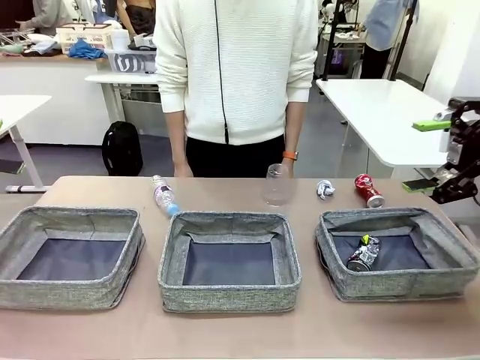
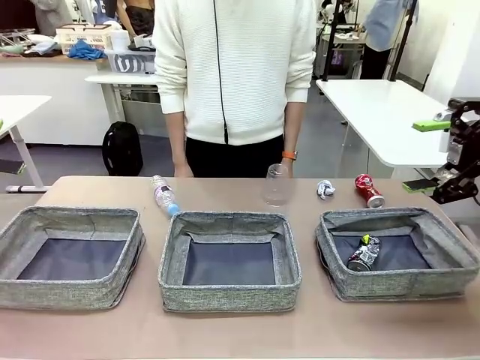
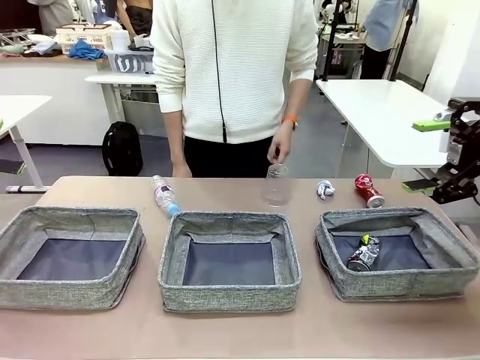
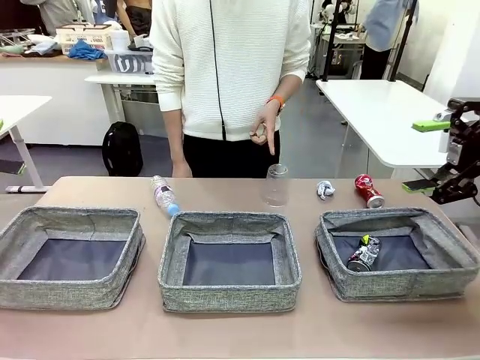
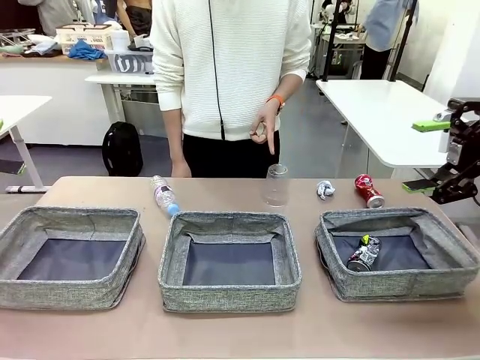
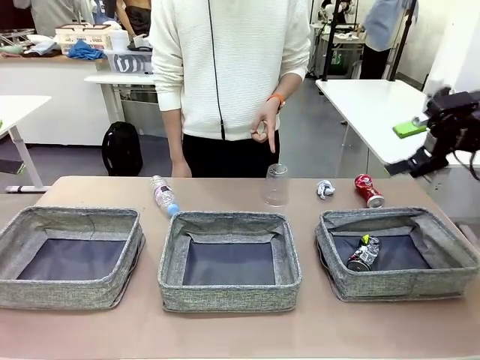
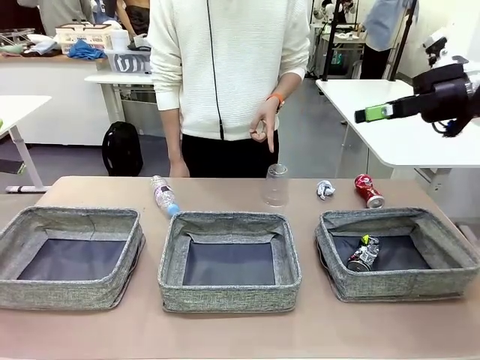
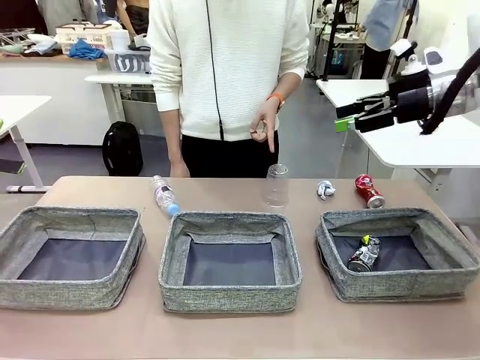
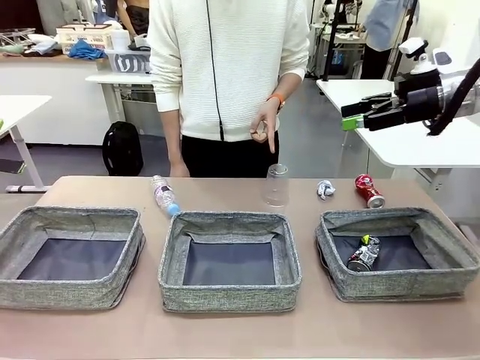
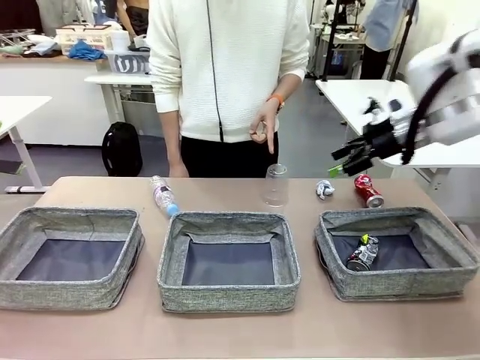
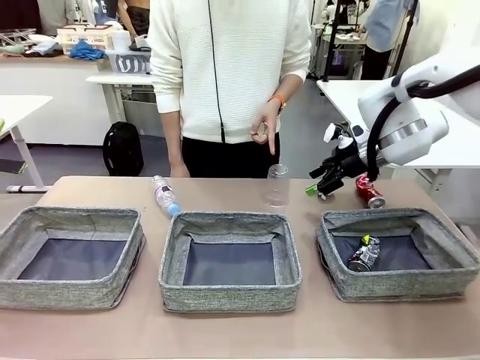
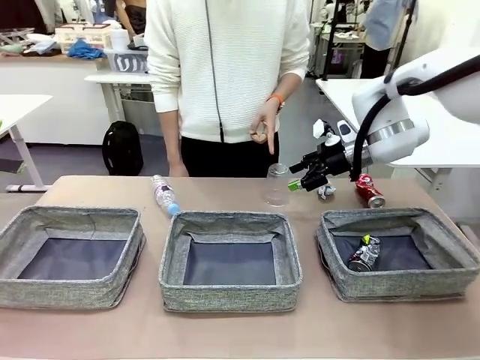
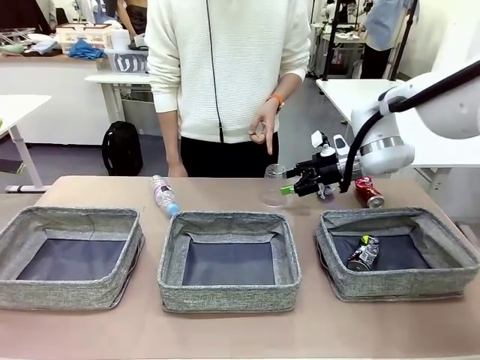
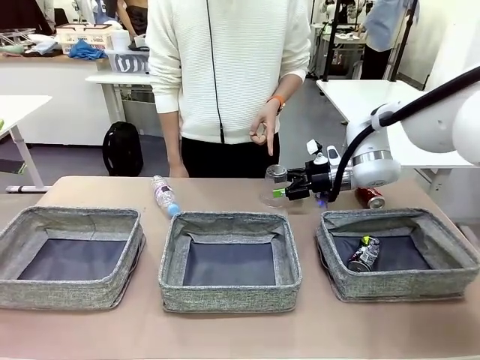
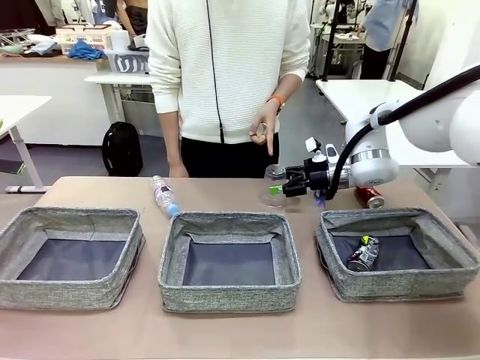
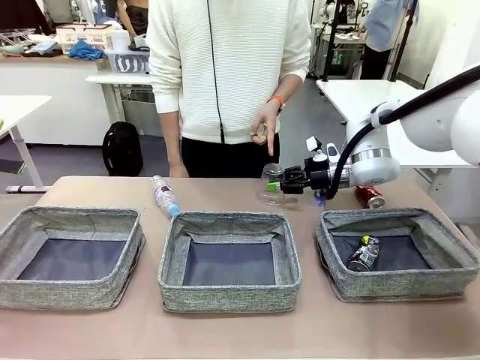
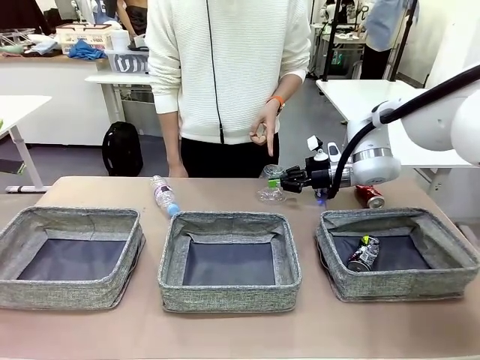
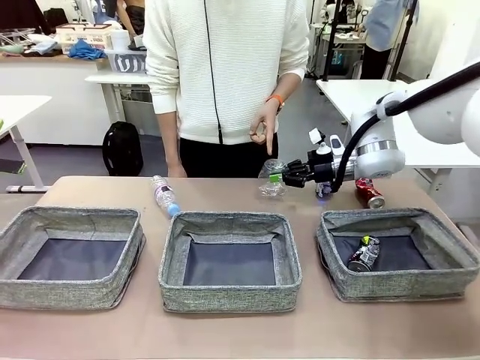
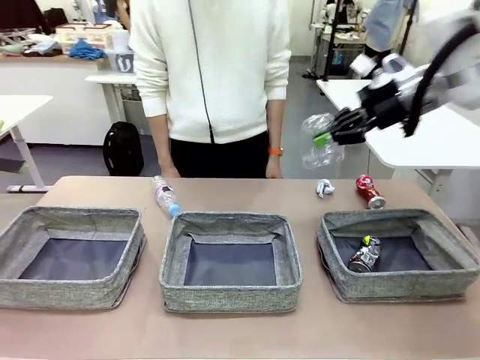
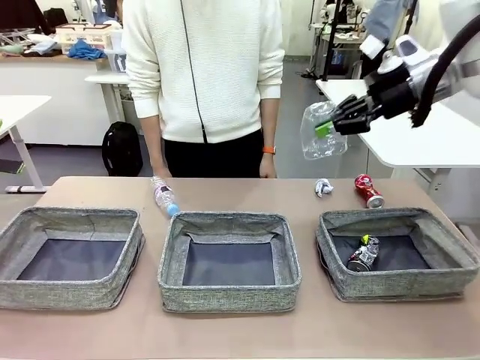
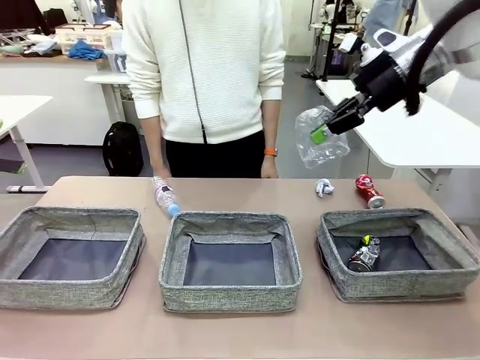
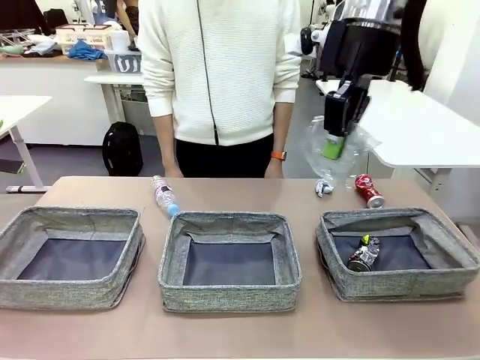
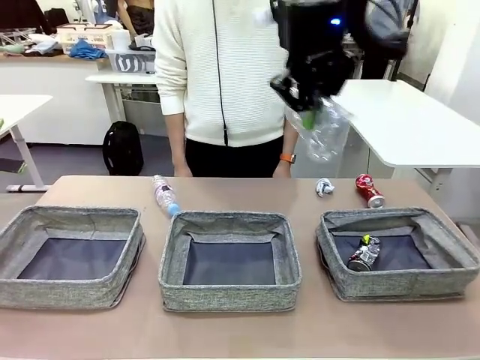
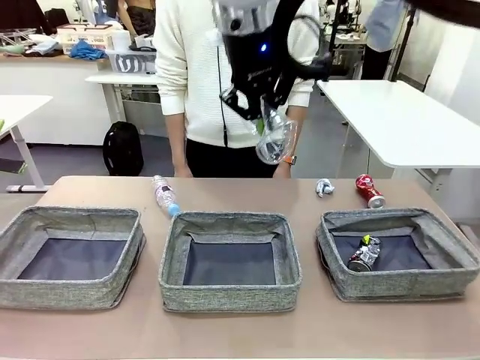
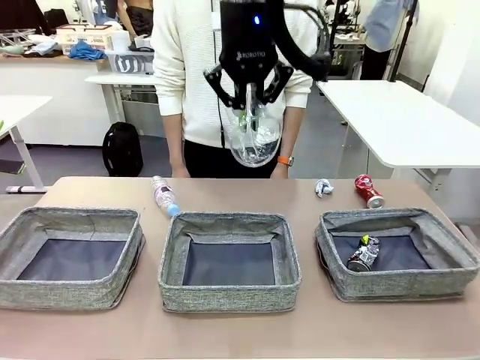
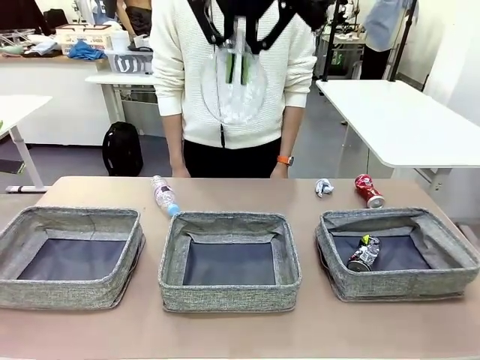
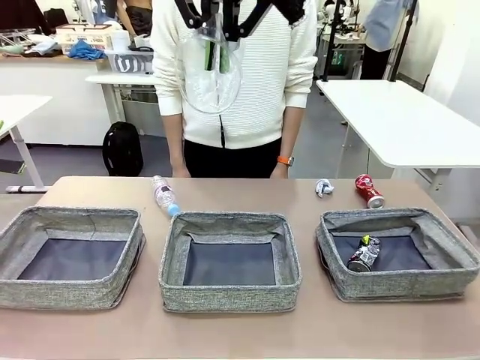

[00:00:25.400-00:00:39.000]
Task: Sort the waste into the appropriate baskets.
Robot: Pick up the waste item pointed out by the person.
Person: Points to one piece of trash on the table.

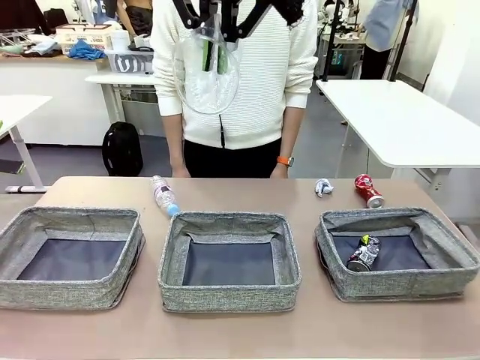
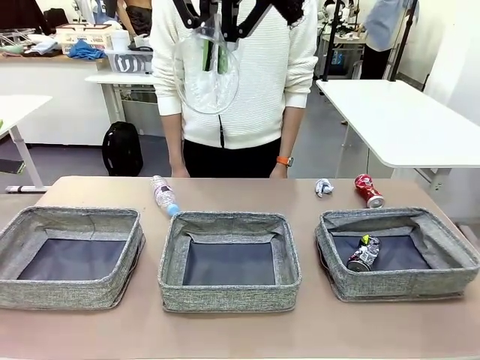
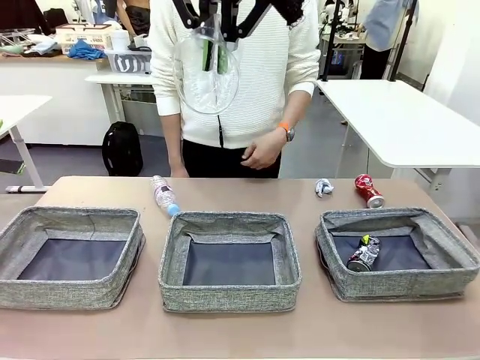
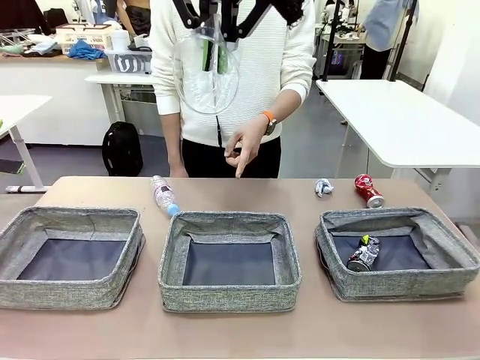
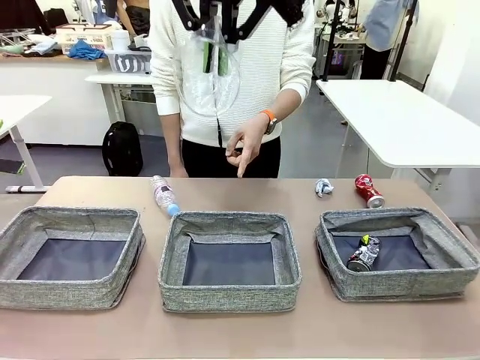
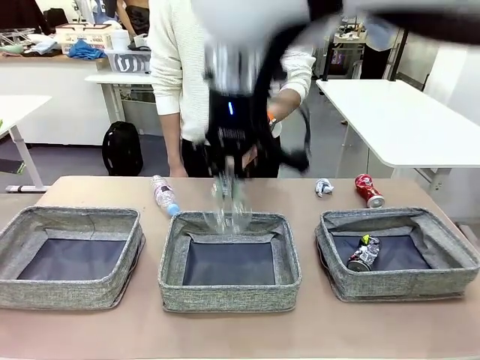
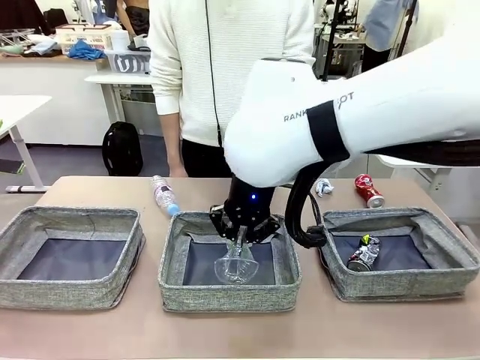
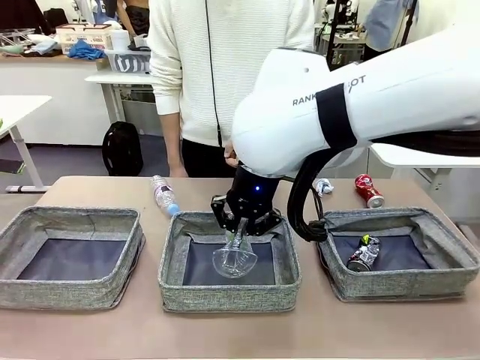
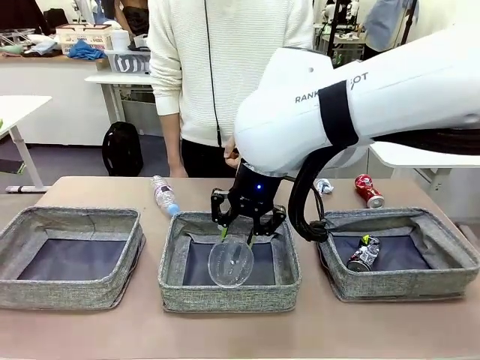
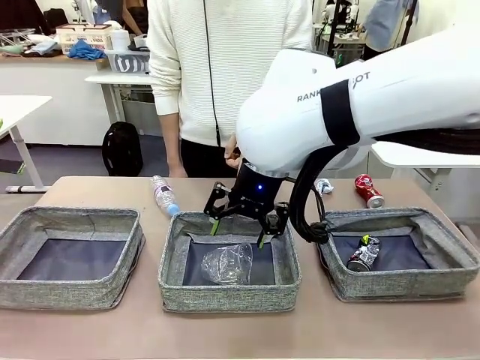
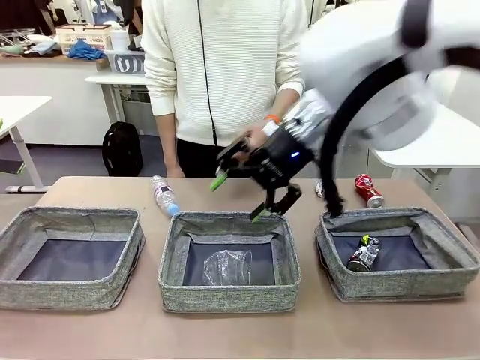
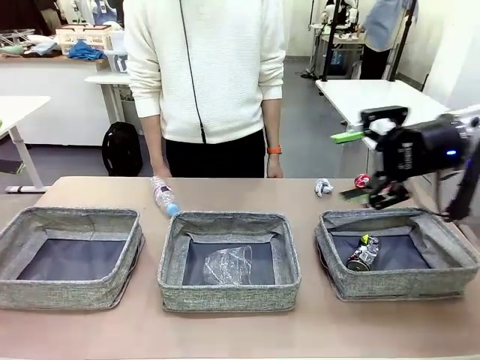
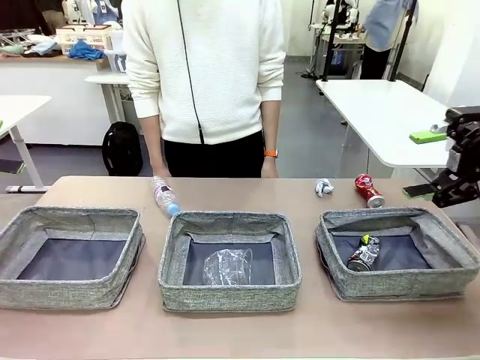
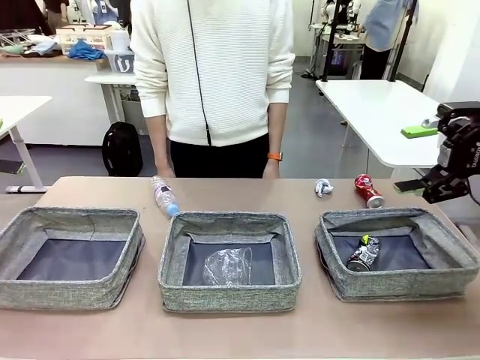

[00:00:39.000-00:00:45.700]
Robot: Place the picked waste into the Fabric basket indicated by the person.
Person: Instructs the robot to place the picked-up trash into the appropriate organizing basket.

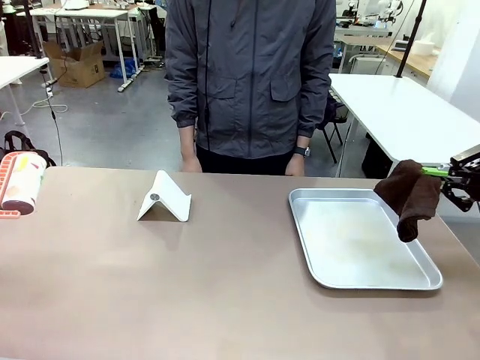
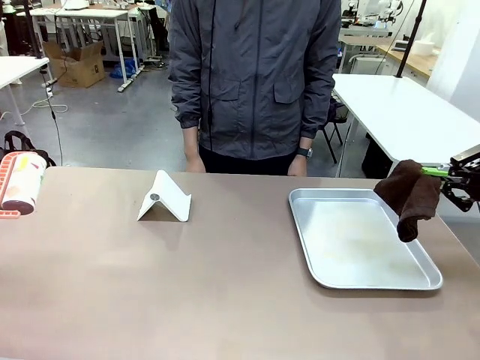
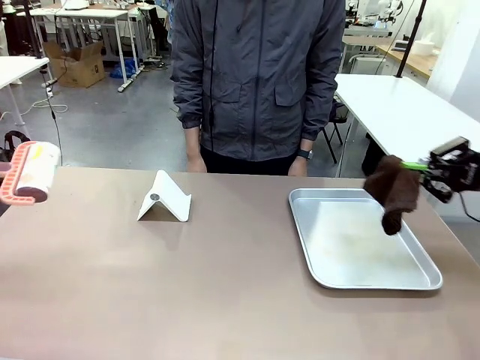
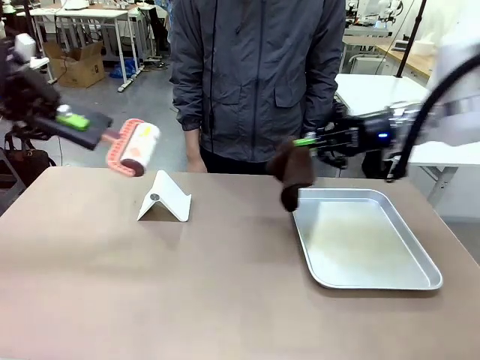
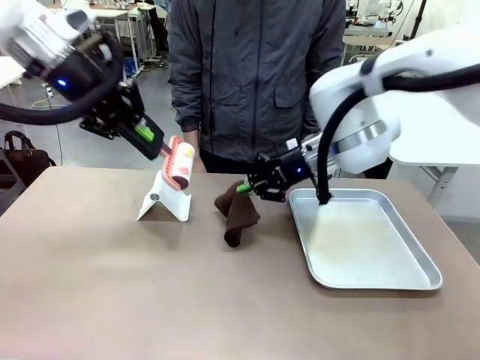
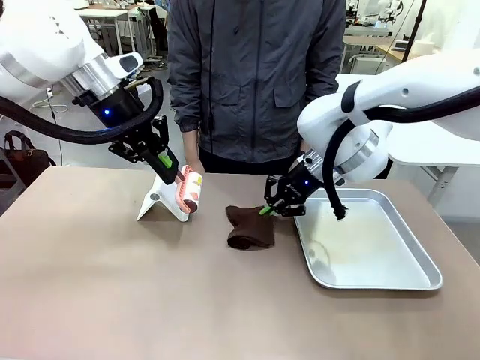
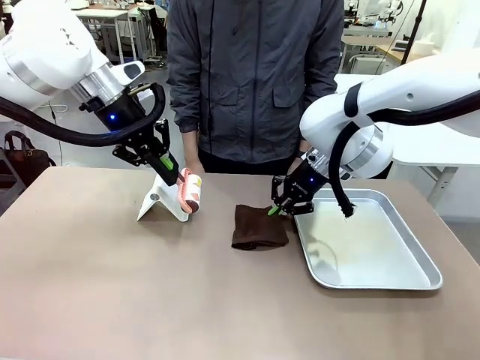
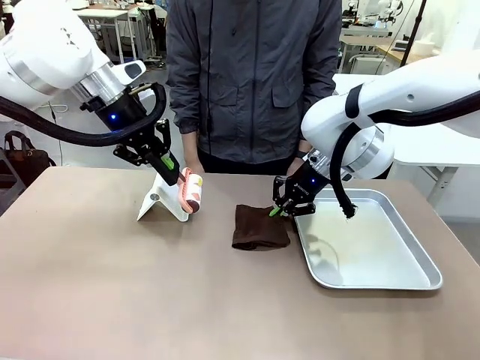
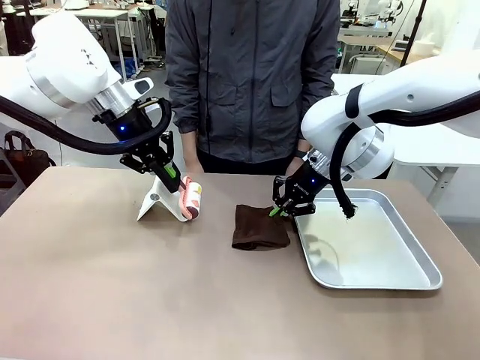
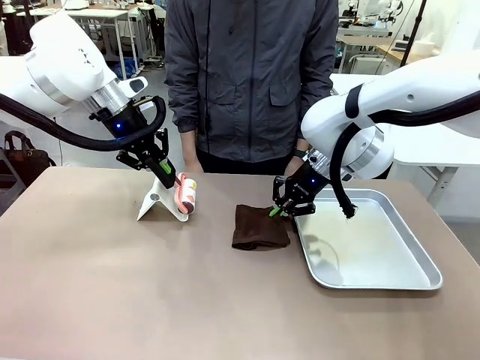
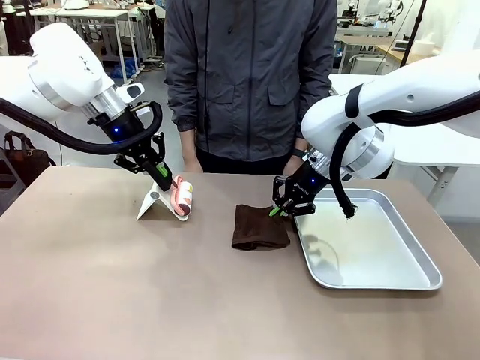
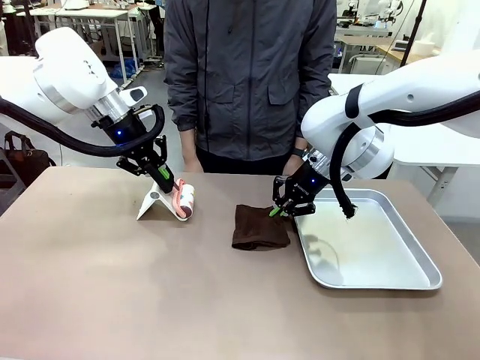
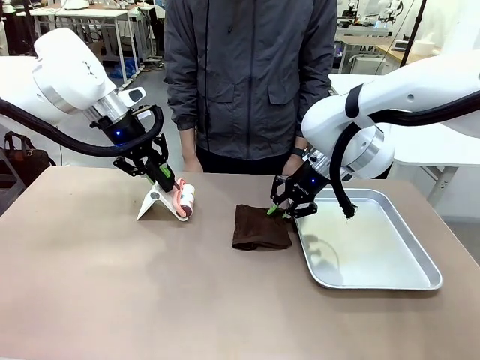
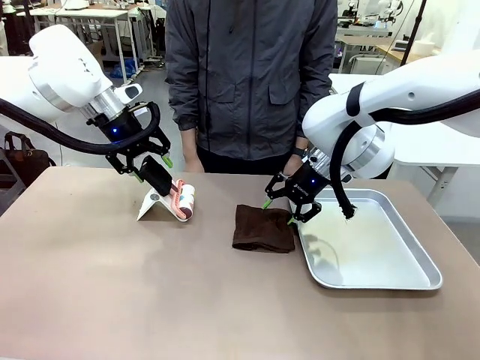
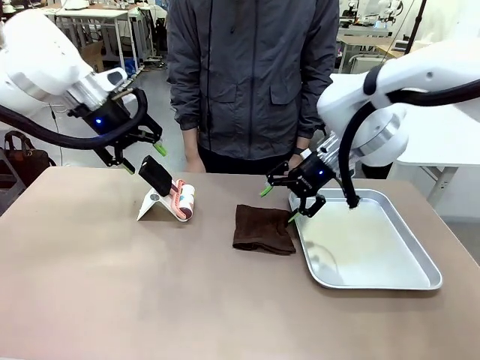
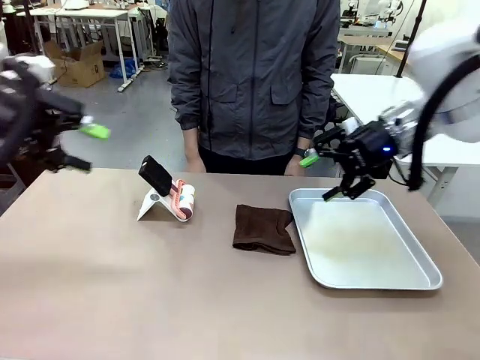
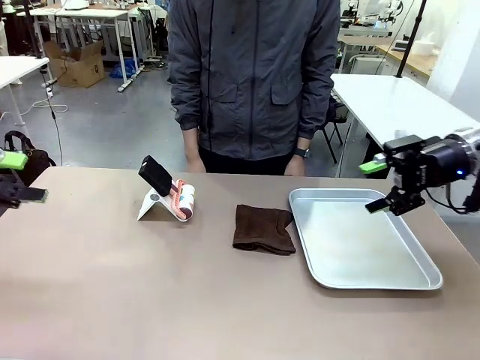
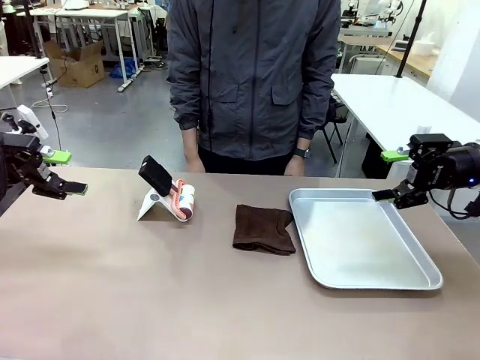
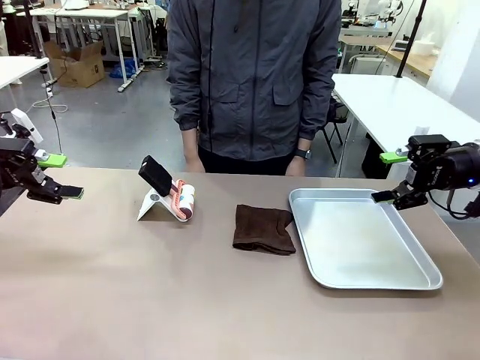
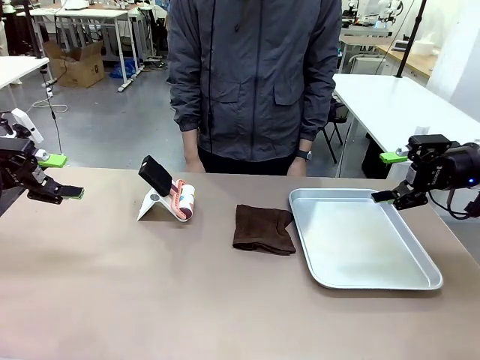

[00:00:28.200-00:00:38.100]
Task: Clean the surface of the table.
Robot: Return the Lint Roller and towel to their original positions.
